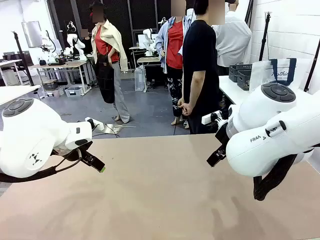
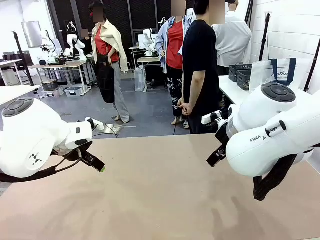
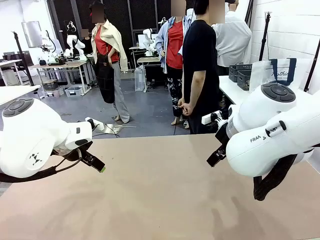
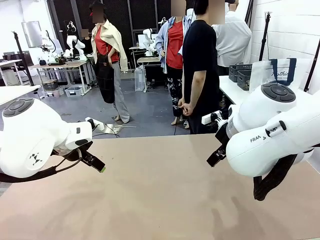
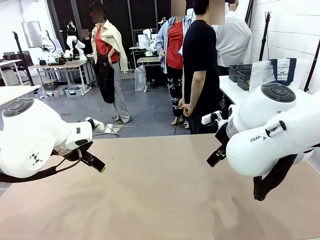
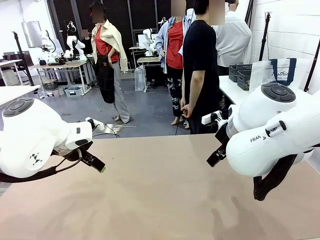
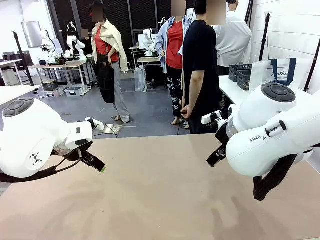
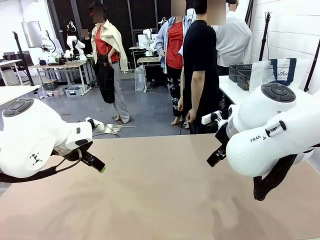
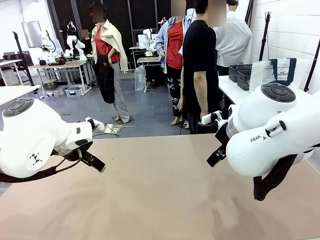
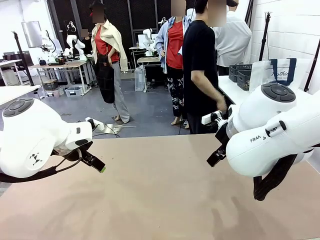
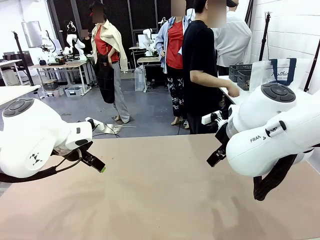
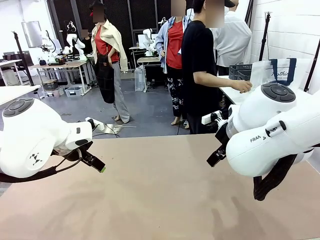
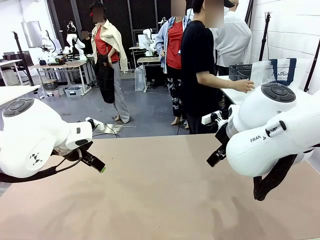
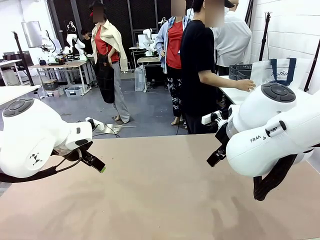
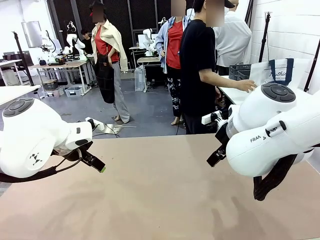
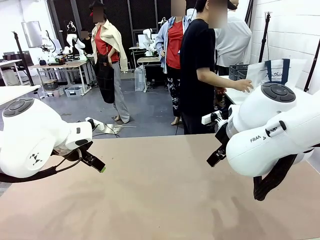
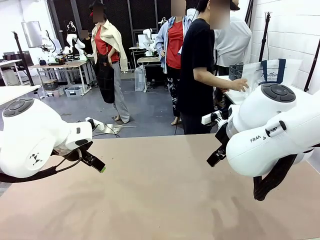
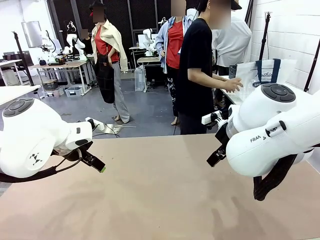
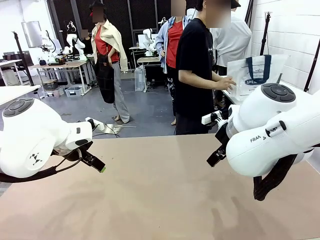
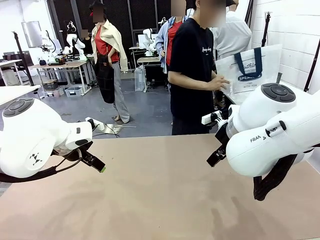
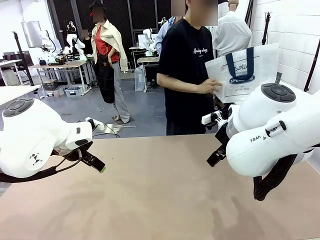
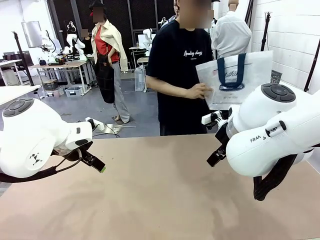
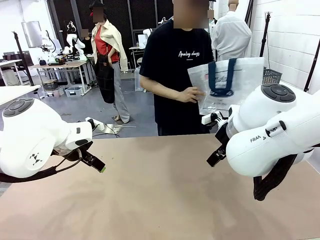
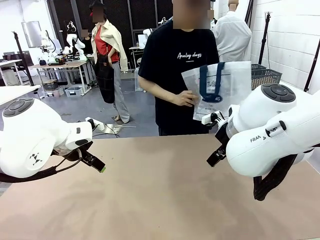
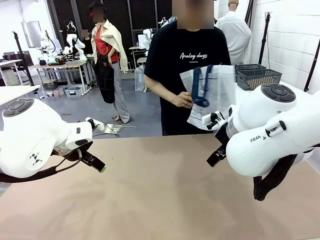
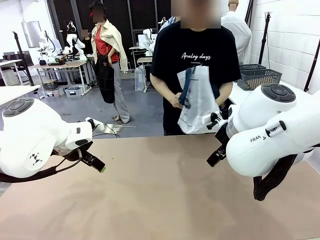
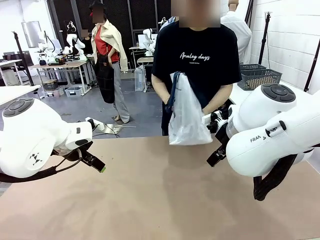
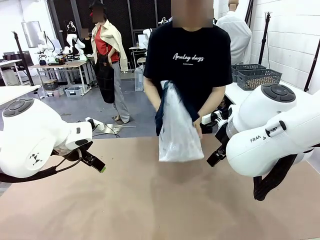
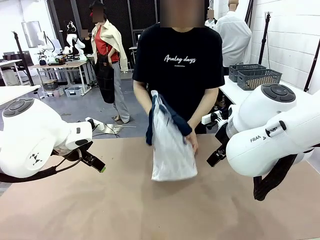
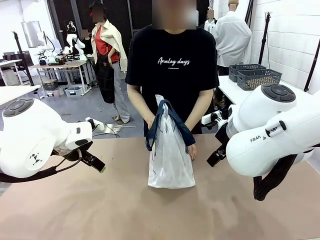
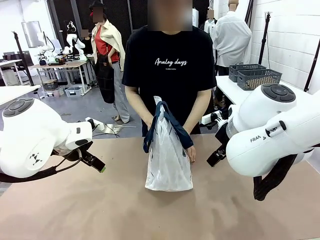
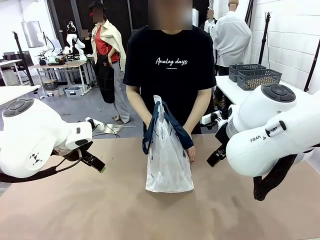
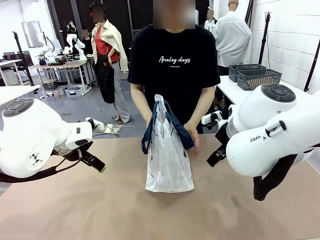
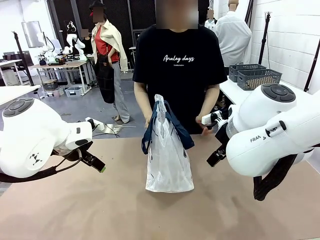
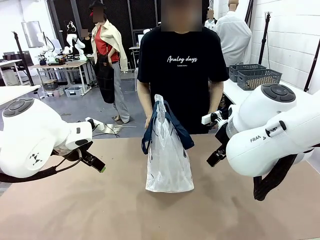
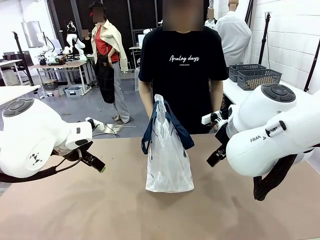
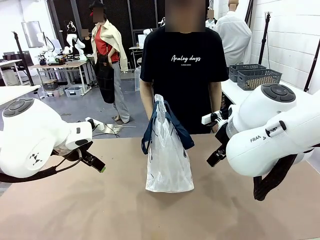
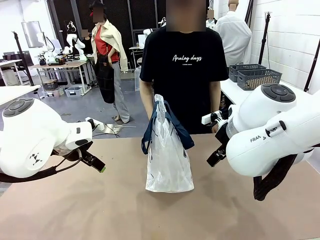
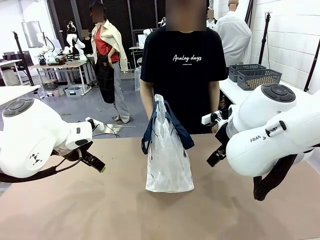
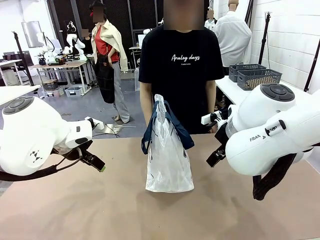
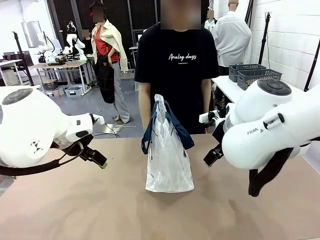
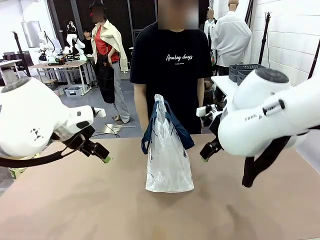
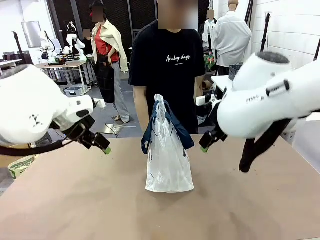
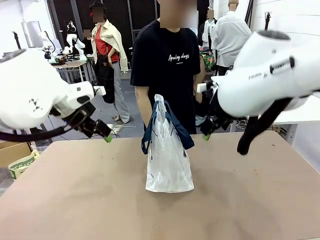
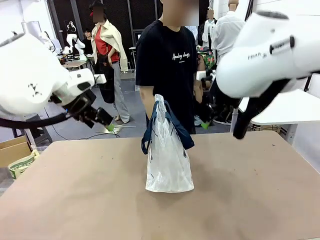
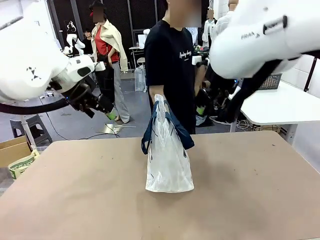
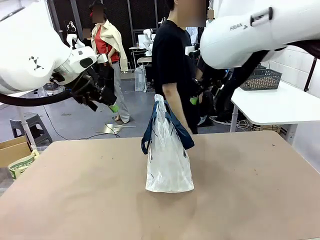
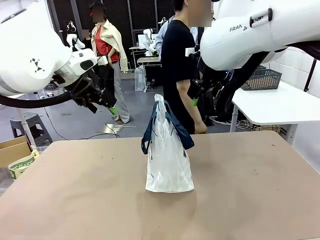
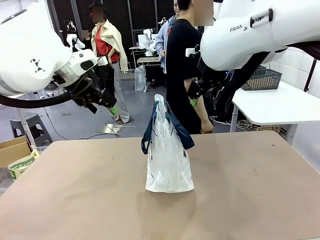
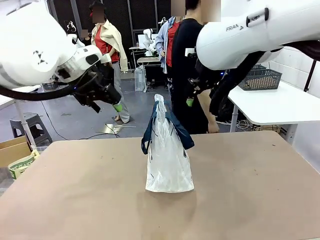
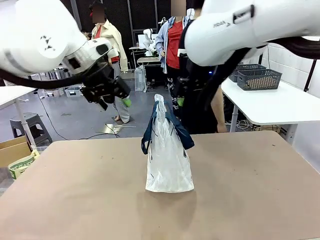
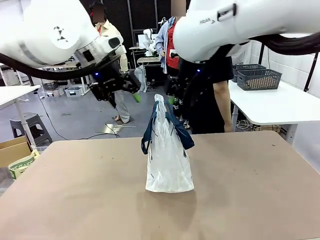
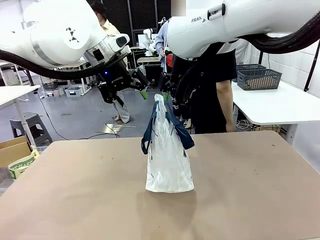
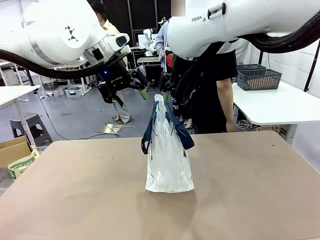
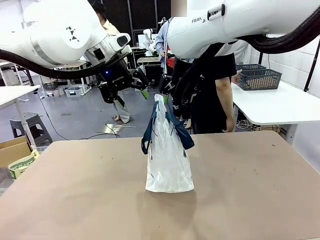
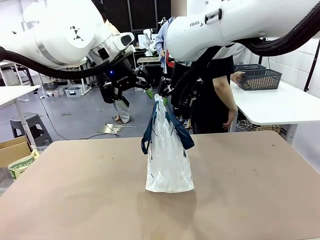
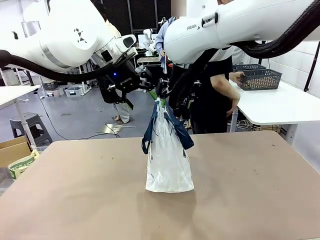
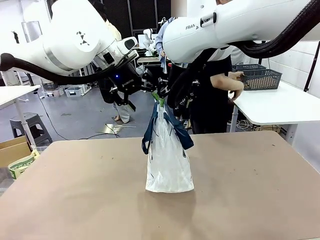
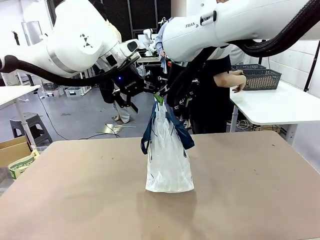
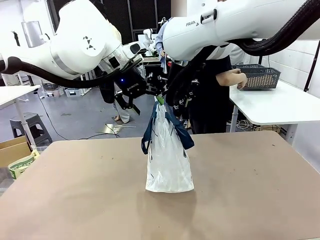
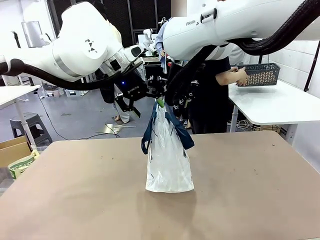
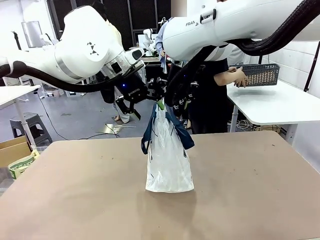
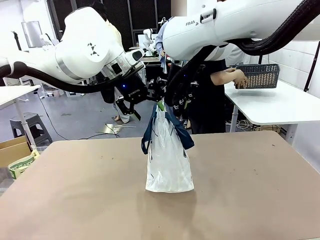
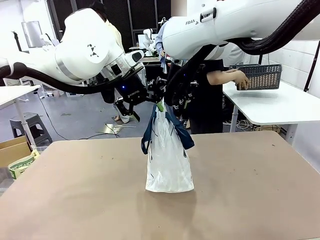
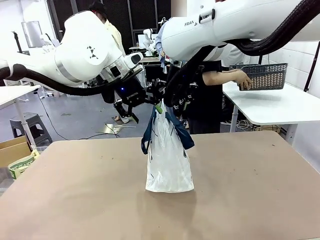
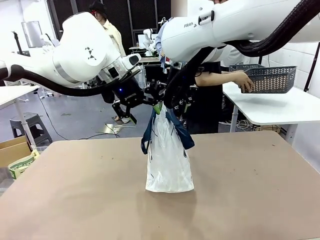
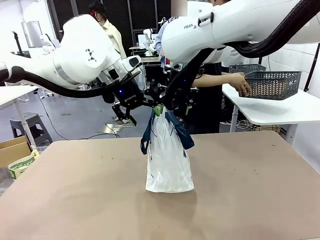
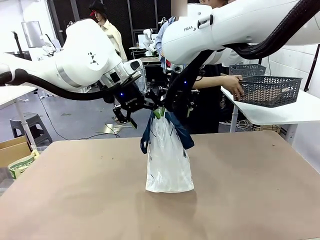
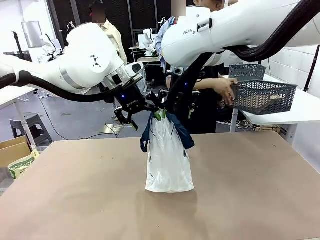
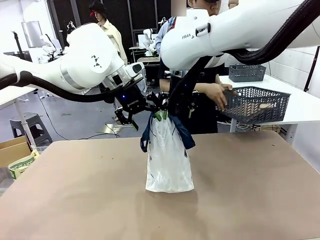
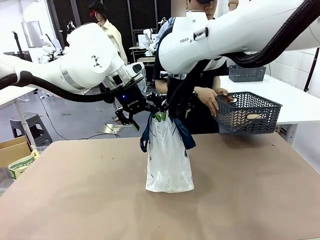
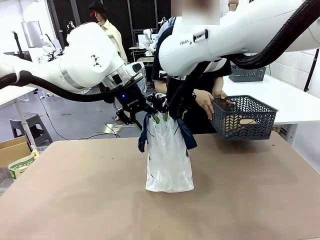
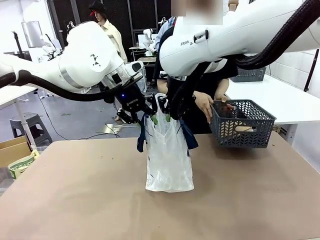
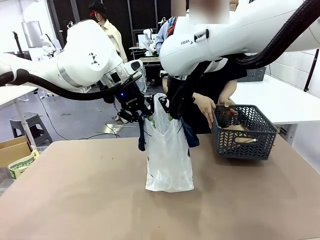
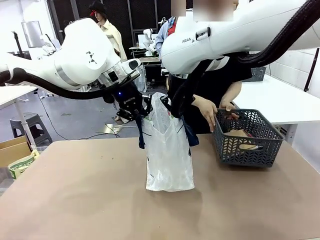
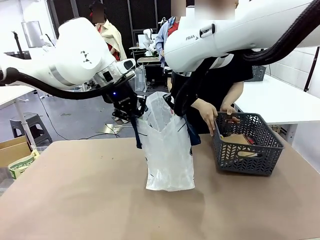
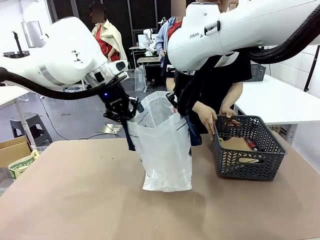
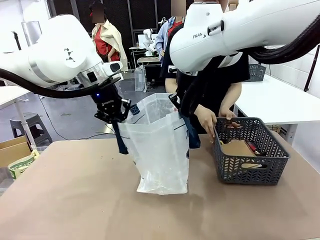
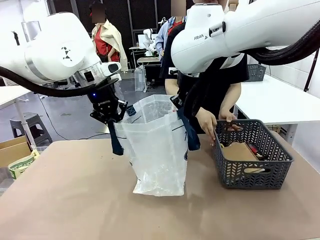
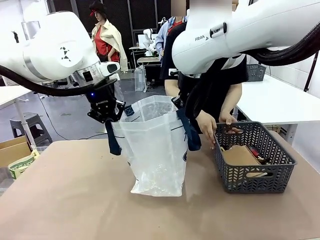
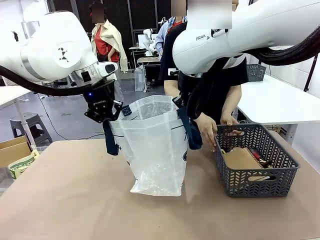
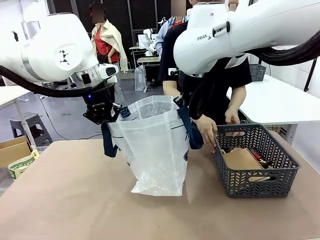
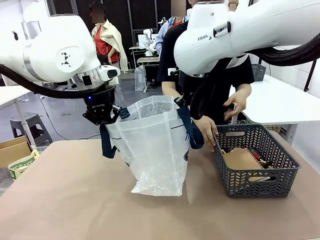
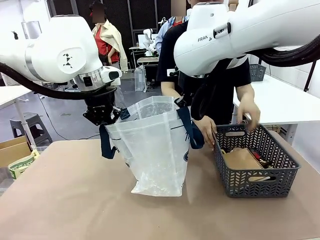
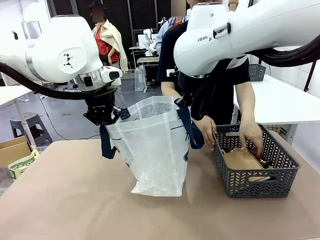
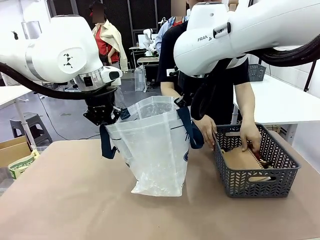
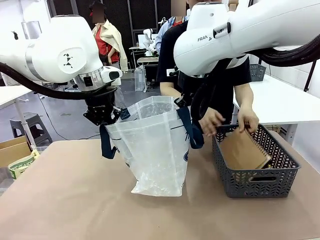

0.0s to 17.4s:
Task: Transfer purchased items from the store into the shopping bag.
Robot: Open the Reusable shopping bag in the center of the table.
Person: Pick up the shopping bag and place it in the middle of the robot table.
